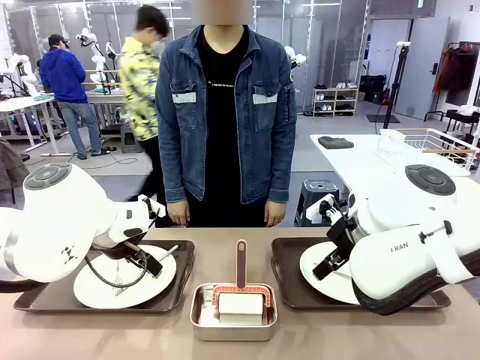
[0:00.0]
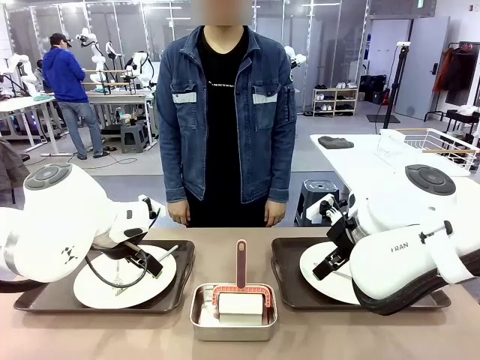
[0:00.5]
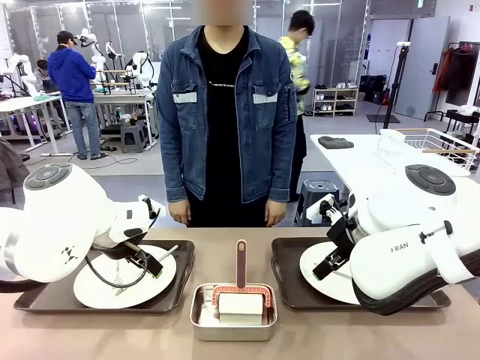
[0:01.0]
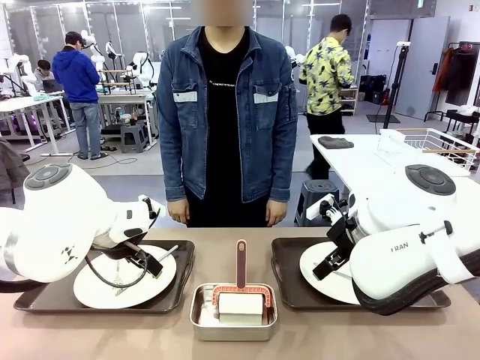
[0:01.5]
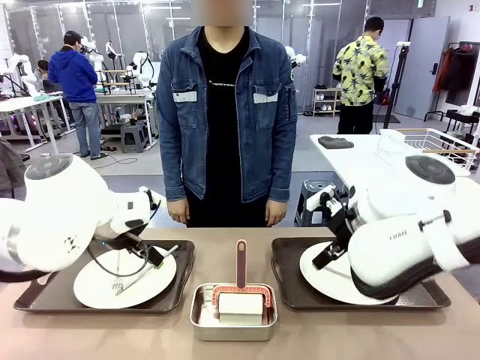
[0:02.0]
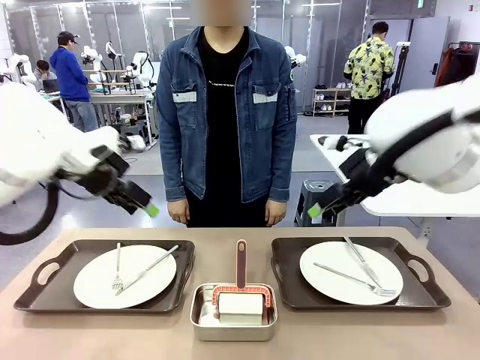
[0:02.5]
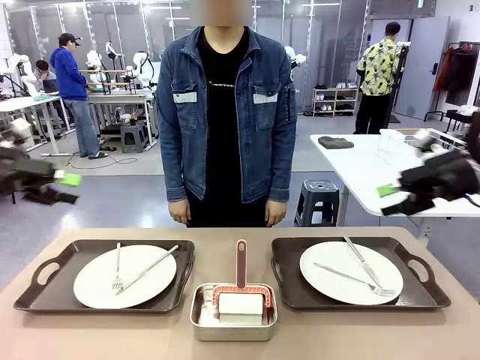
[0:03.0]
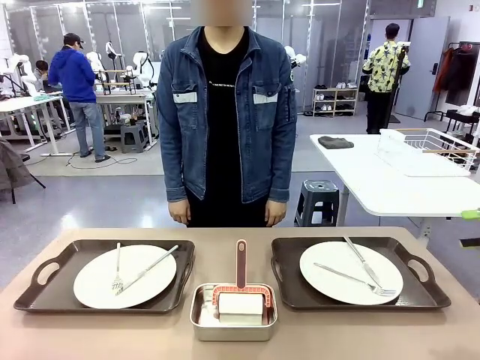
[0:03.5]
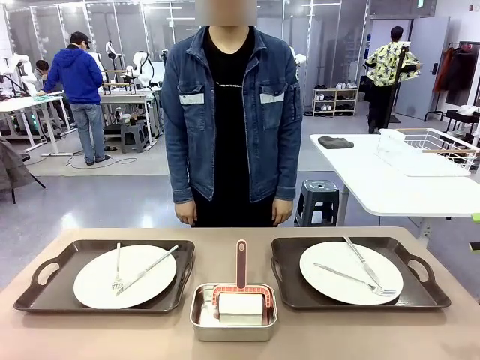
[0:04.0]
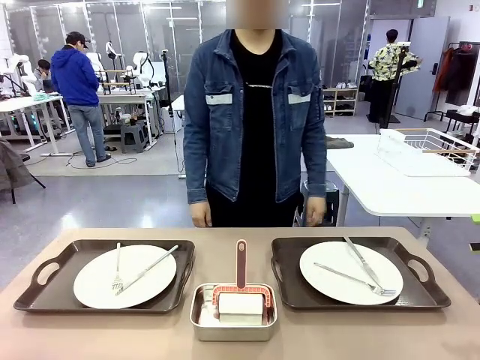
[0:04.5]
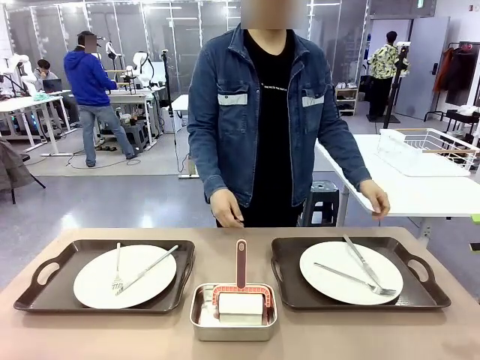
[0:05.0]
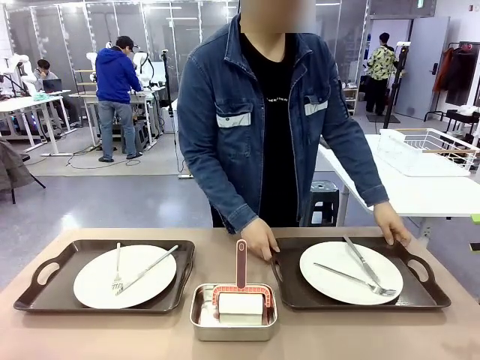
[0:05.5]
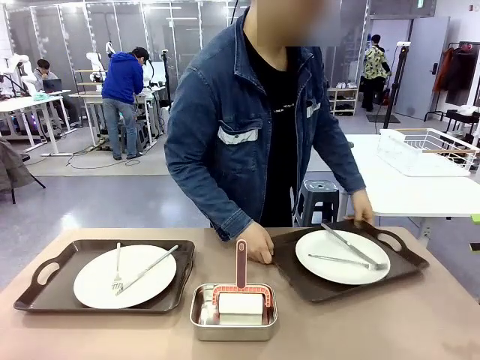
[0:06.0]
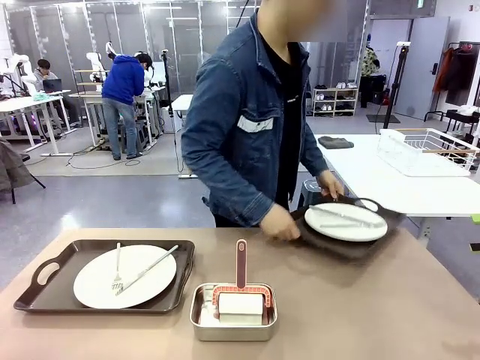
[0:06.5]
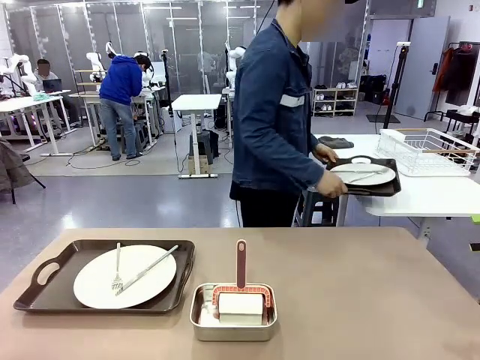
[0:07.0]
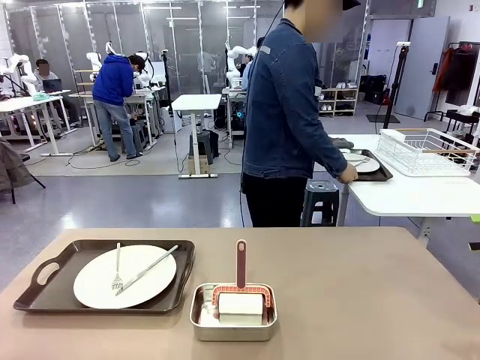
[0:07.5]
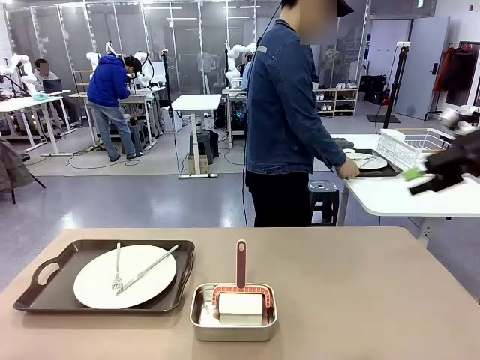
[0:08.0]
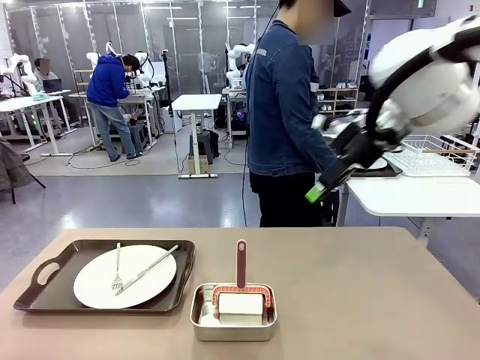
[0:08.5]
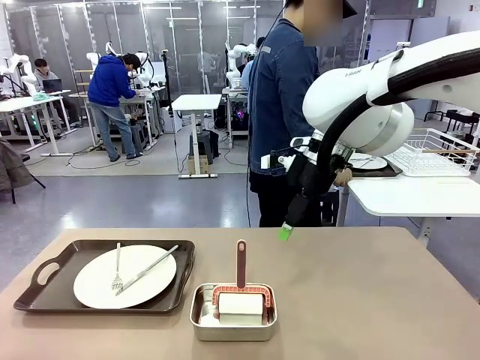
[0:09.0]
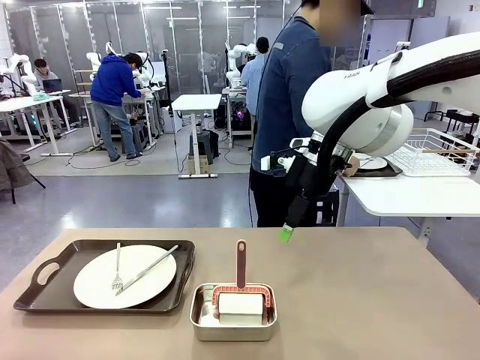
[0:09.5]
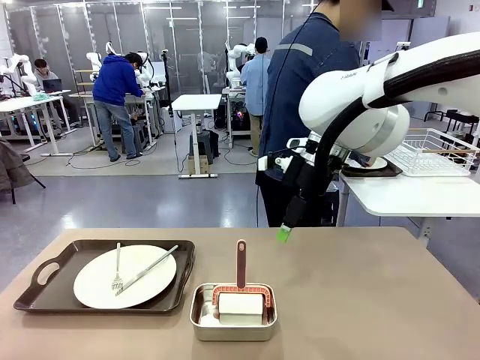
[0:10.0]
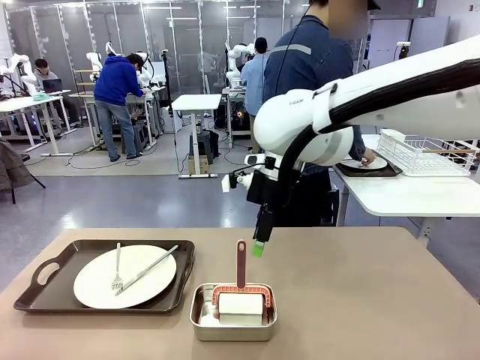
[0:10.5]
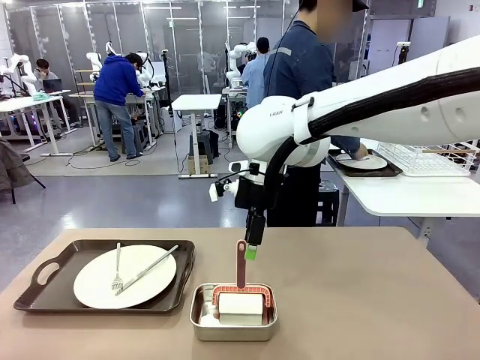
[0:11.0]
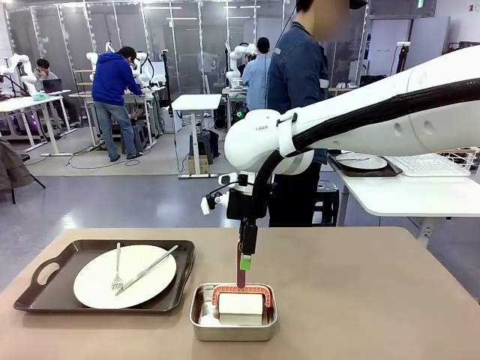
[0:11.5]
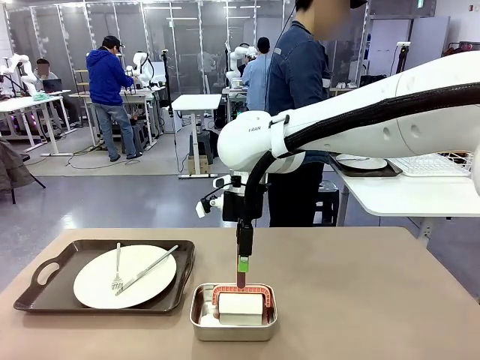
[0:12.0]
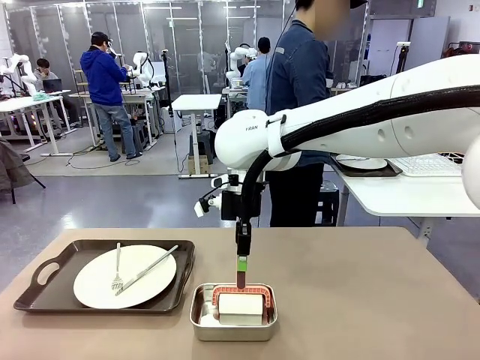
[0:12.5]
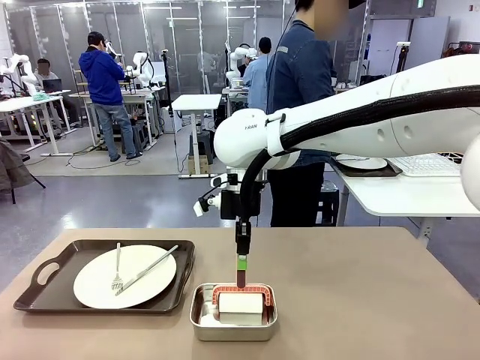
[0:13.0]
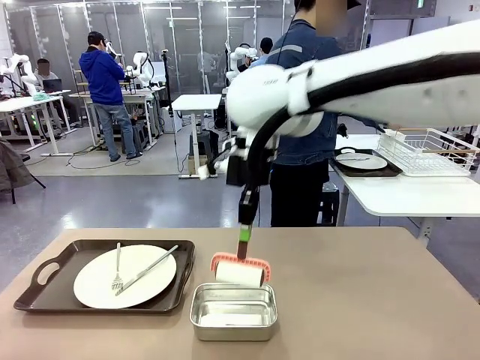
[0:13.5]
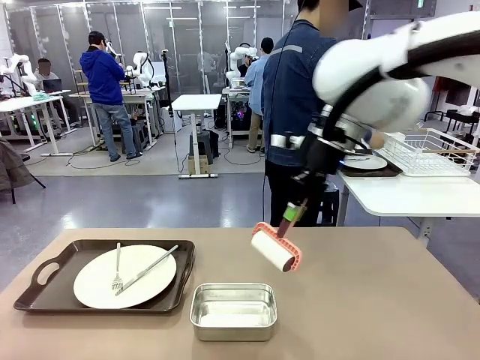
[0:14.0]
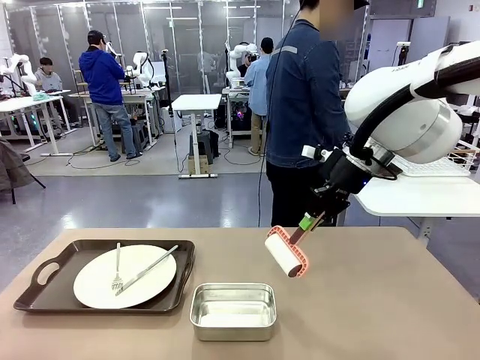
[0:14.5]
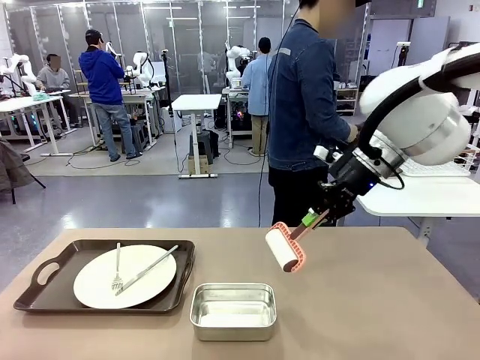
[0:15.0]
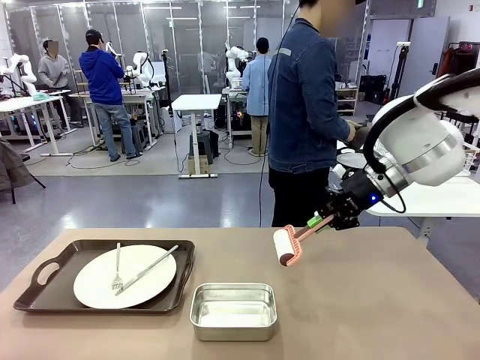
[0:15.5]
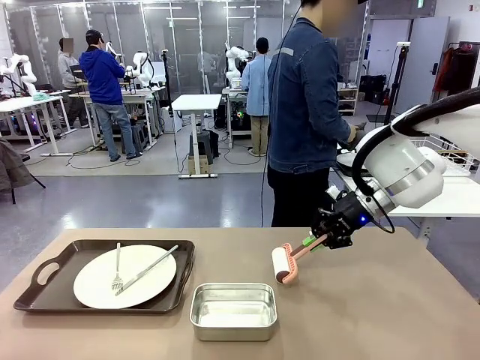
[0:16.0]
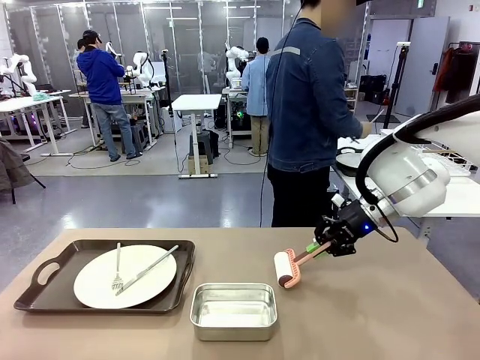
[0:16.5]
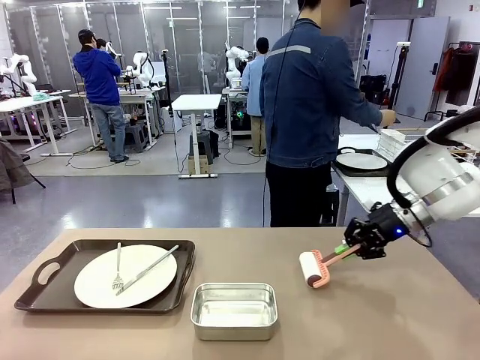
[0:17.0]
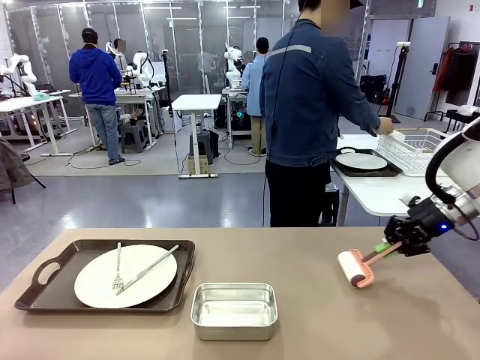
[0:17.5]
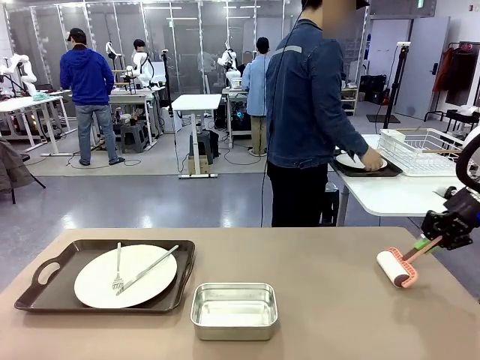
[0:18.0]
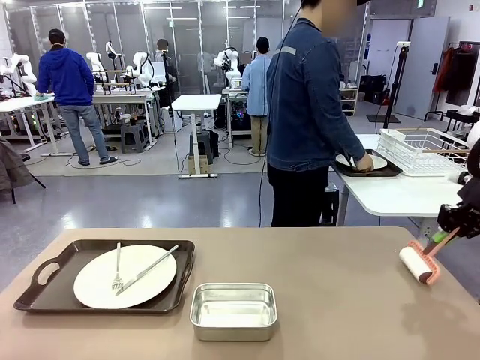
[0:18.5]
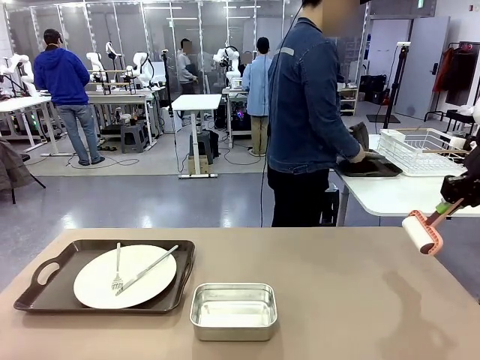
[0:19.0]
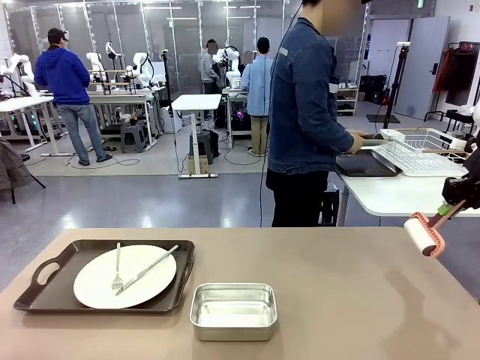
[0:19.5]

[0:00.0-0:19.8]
Robot: When the left (or right) Handle tray is removed, use the left hand (or right hand) to clean the left (or right) side of the table with the Lint Roller.
Person: Pick up the left (or right) Handle tray and place it on the middle of the Human's table. Use the Towel with hook to wipe the Plastic Matte Plate , Fork , and Knife and place into the Dish drying rack.

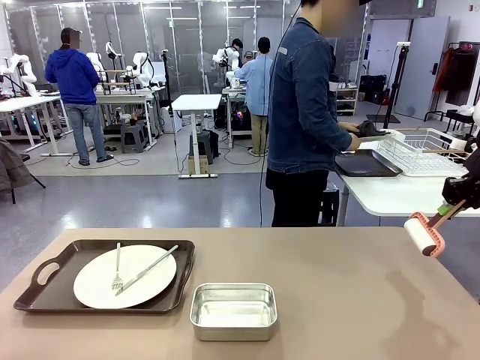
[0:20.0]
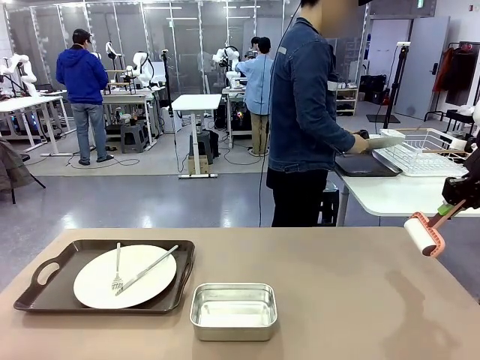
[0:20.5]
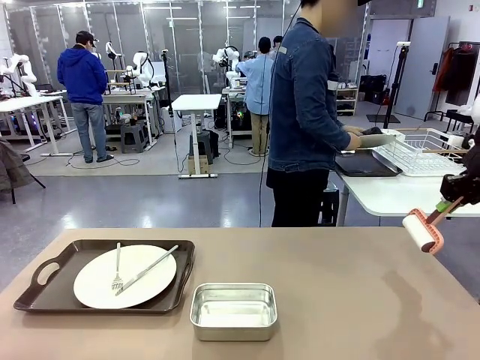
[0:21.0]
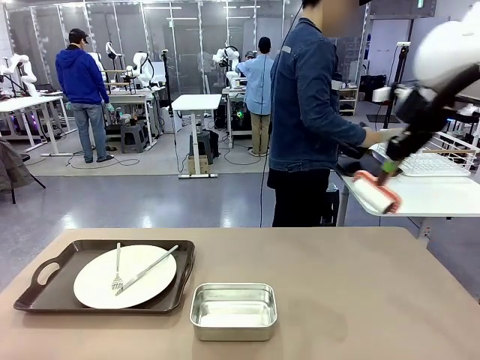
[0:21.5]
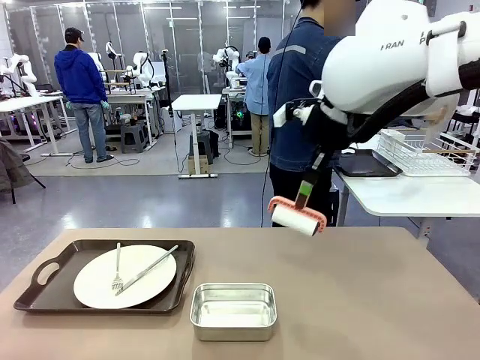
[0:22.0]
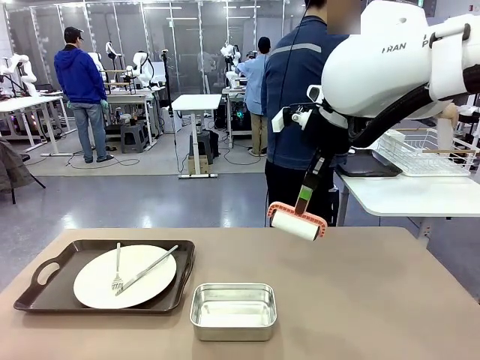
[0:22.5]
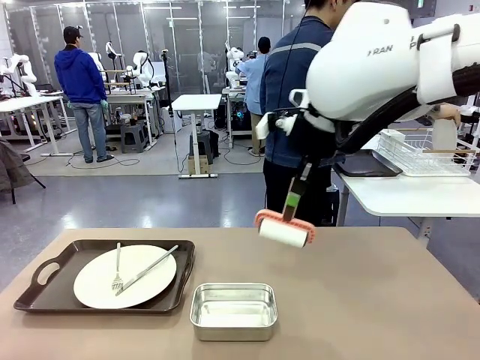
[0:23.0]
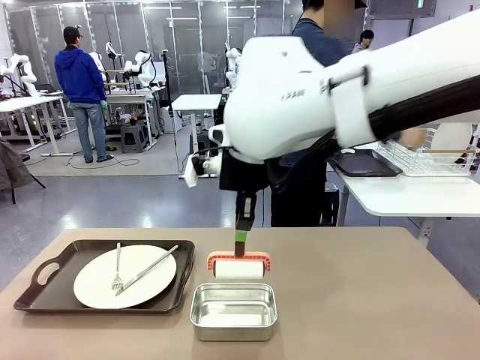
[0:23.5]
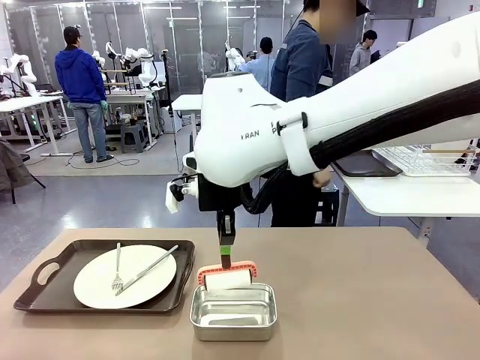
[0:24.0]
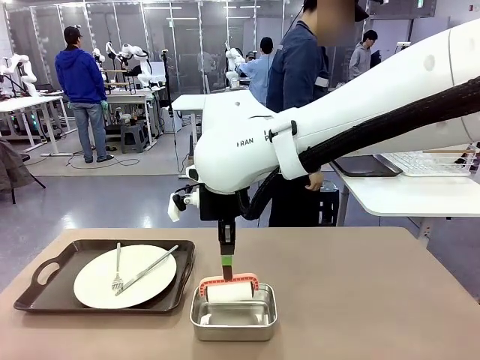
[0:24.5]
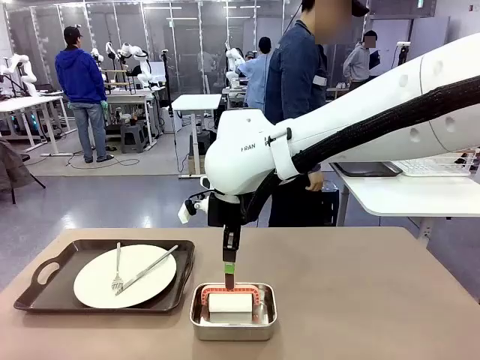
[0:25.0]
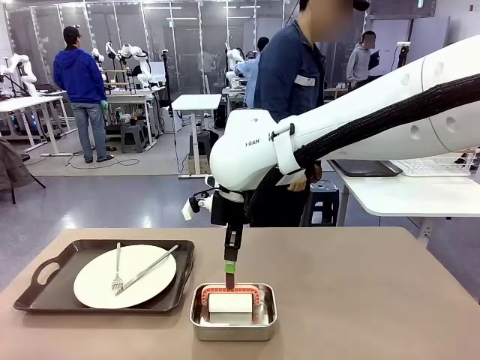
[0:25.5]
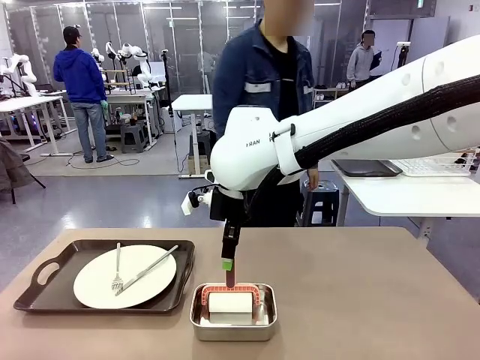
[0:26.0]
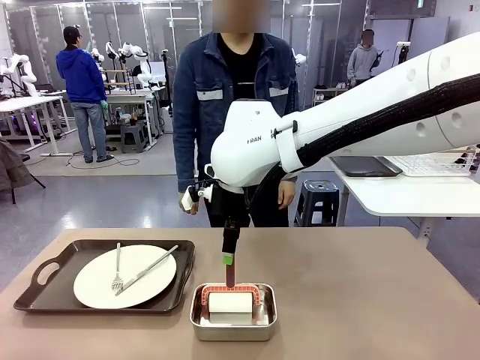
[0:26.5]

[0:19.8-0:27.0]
Robot: Place the Lint Roller back on top of the Airtight Container.
